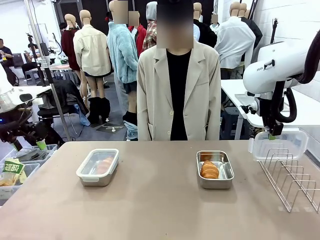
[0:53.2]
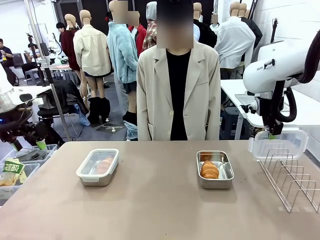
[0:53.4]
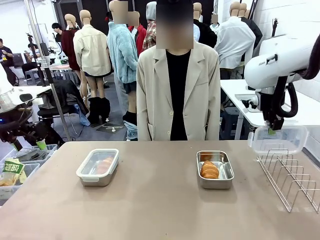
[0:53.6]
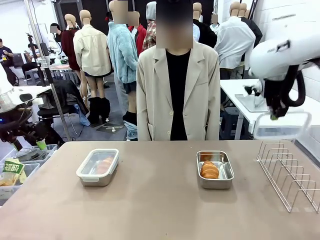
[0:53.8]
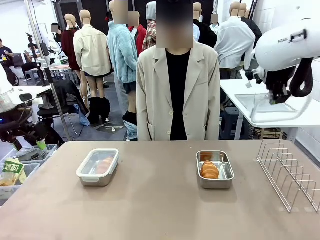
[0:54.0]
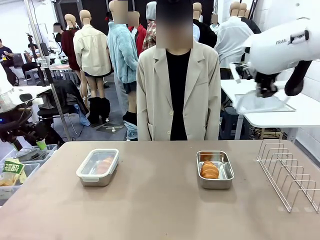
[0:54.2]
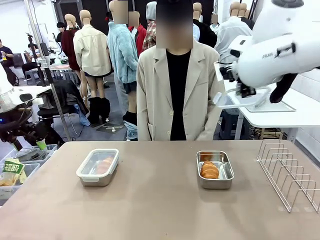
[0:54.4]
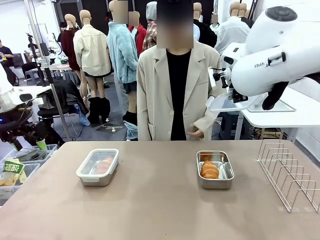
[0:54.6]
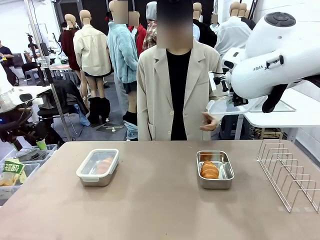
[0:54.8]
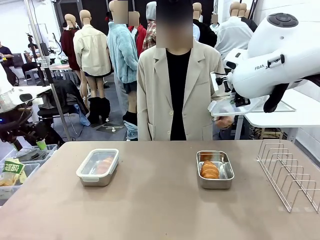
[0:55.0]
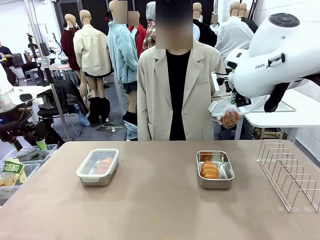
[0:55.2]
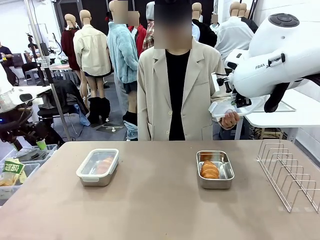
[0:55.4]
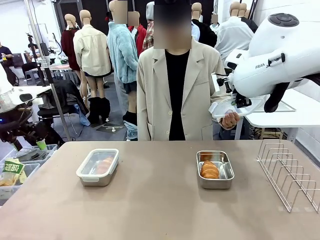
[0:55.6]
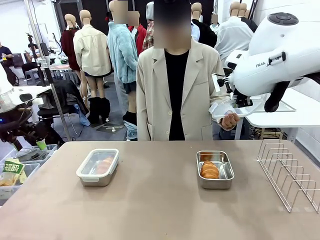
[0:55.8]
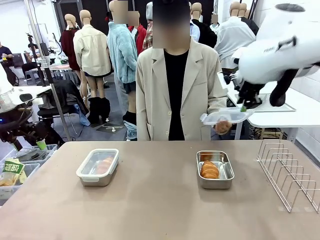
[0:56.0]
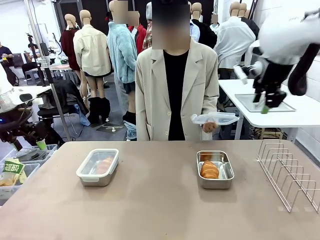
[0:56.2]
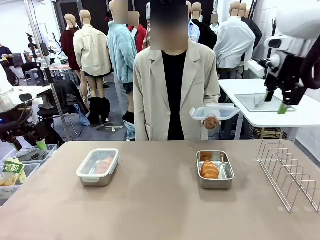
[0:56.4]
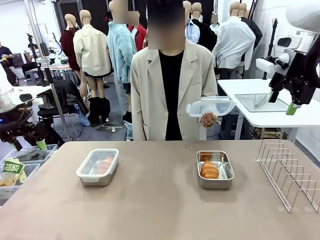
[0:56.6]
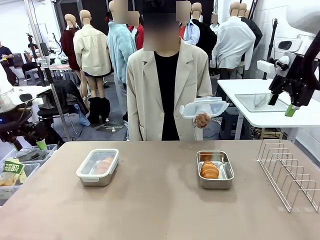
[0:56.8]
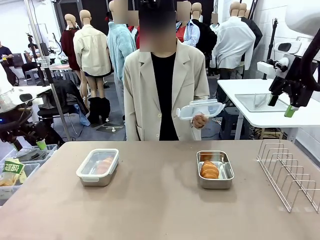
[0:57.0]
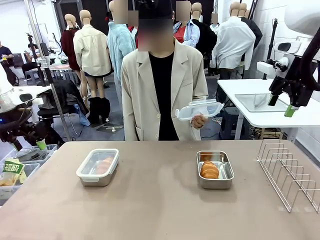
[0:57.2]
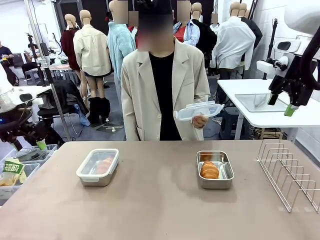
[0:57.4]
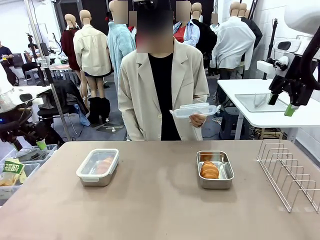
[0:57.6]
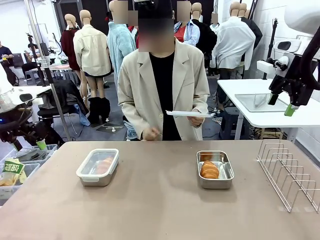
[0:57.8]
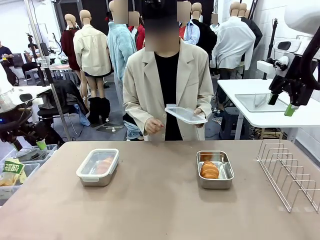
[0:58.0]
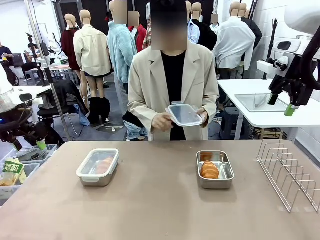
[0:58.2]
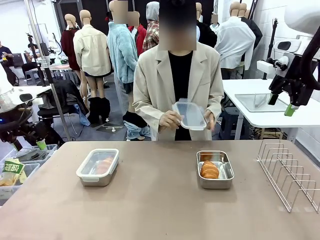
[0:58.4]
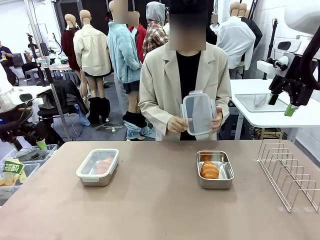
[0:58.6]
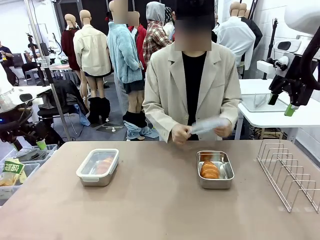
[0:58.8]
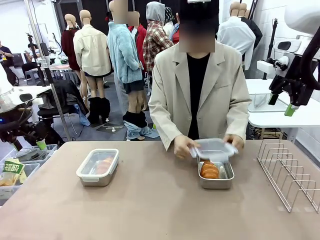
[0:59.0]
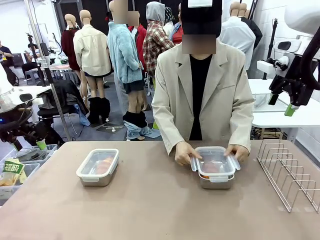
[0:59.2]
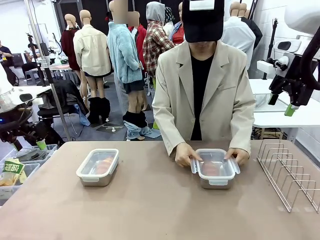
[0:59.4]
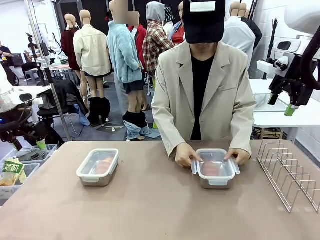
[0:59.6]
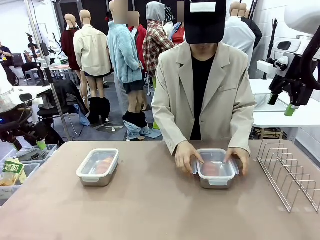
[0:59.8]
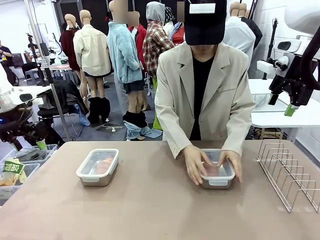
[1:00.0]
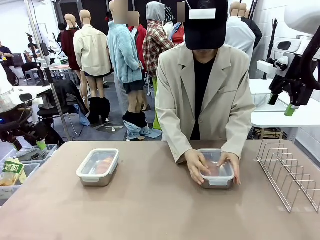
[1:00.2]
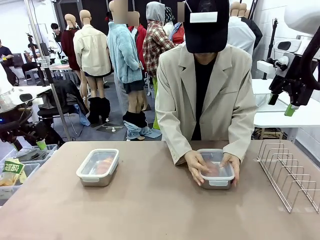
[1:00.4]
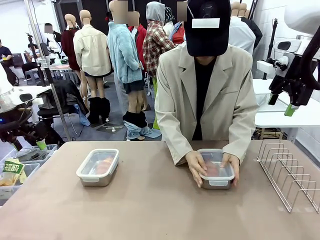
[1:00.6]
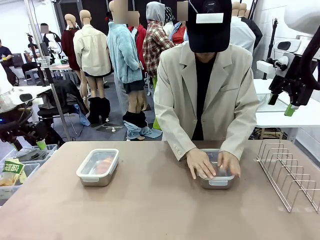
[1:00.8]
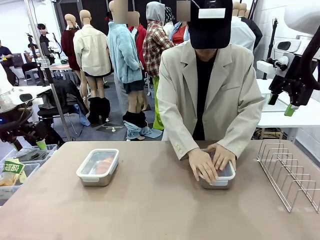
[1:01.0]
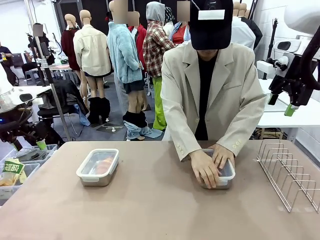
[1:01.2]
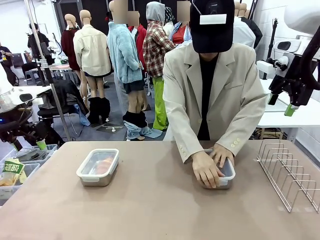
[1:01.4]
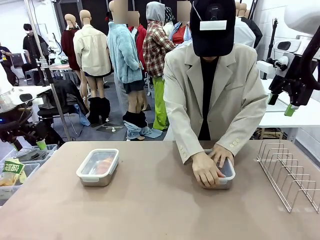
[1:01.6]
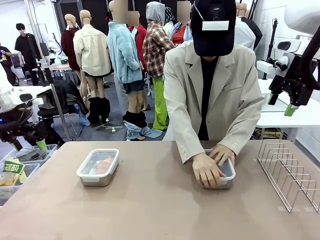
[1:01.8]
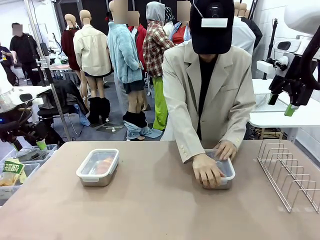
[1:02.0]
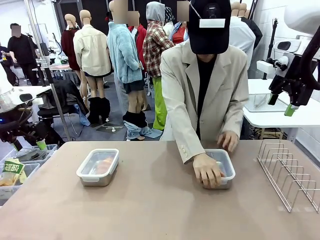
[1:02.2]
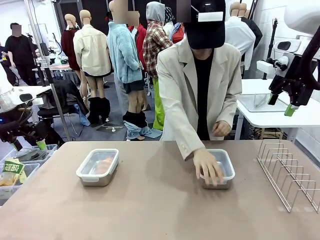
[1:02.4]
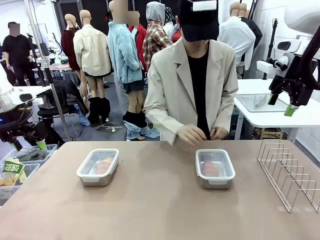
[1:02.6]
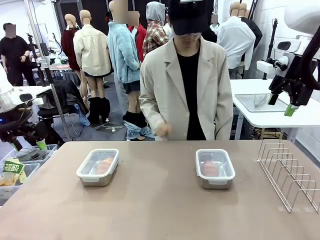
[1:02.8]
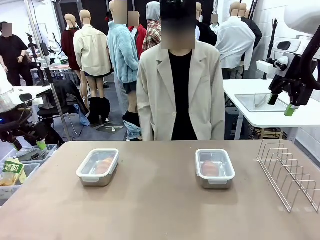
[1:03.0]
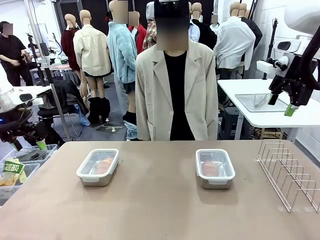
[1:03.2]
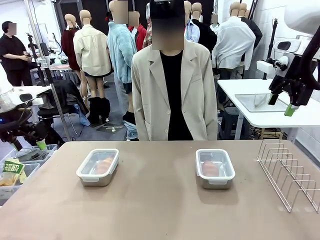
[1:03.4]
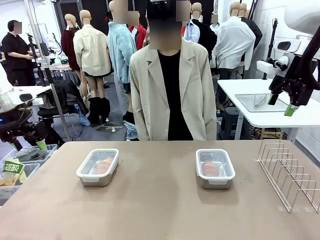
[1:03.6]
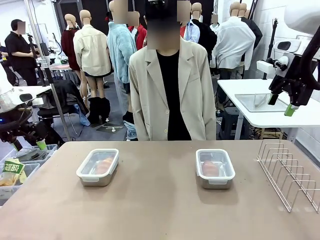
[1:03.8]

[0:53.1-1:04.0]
Task: Place the bread in airtight containers.
Robot: Release when the human grabs the Airtight Container lid.
Person: Grip Airtight Container lid that robot is handing. Close Airtight Container with a handed Airtight Container lid.

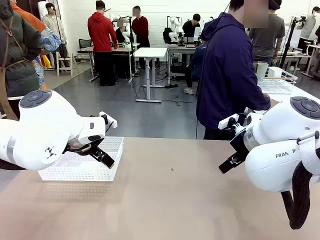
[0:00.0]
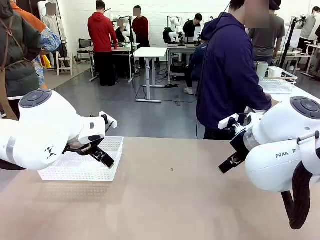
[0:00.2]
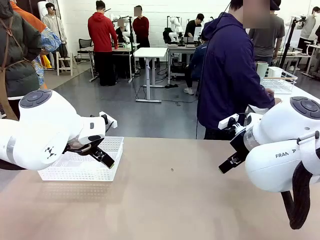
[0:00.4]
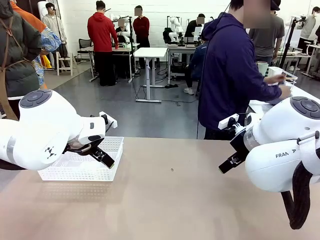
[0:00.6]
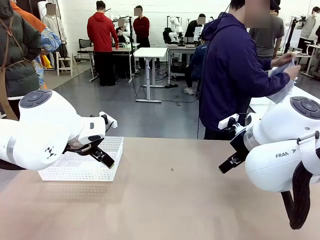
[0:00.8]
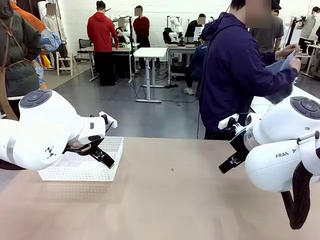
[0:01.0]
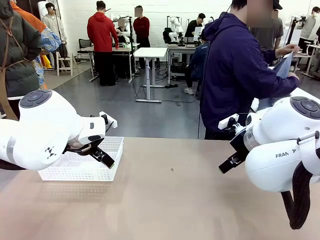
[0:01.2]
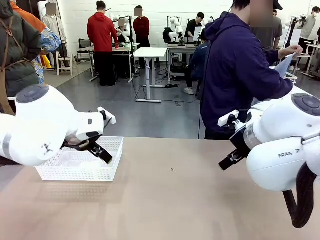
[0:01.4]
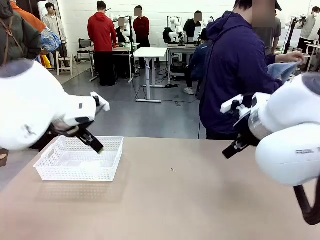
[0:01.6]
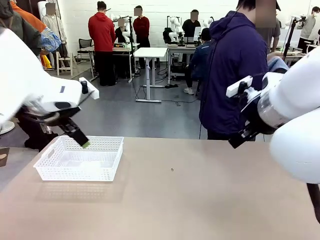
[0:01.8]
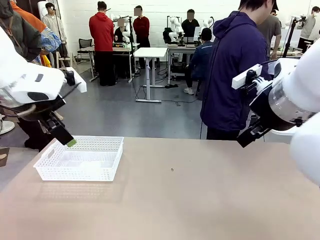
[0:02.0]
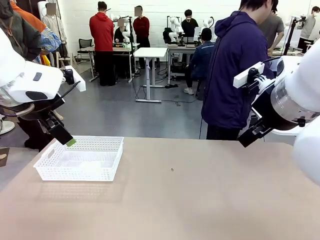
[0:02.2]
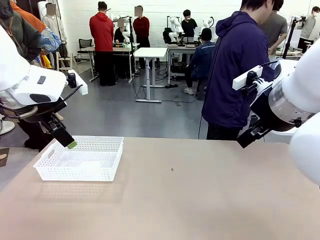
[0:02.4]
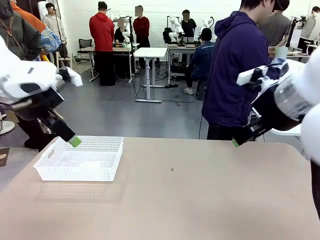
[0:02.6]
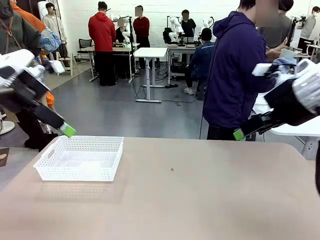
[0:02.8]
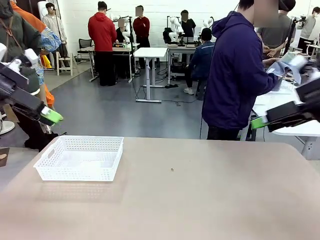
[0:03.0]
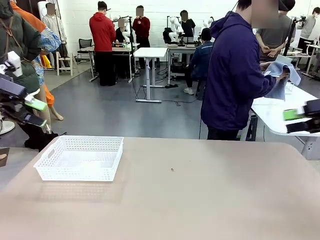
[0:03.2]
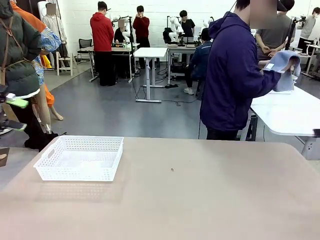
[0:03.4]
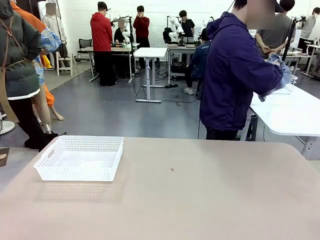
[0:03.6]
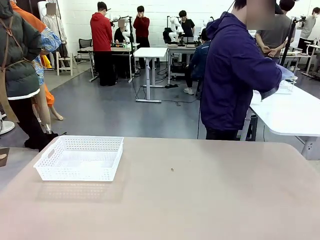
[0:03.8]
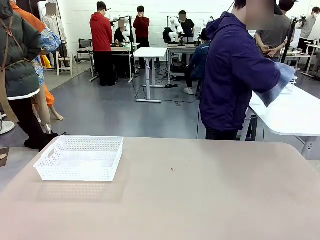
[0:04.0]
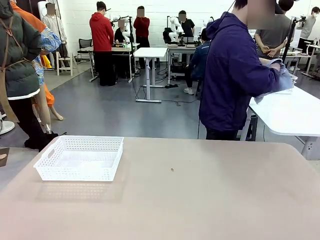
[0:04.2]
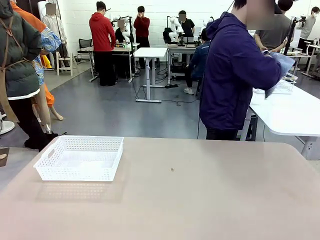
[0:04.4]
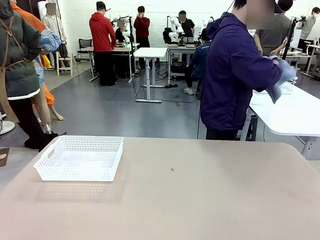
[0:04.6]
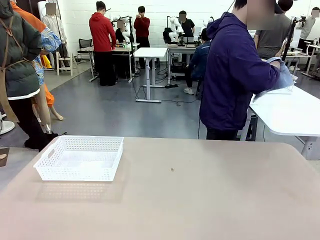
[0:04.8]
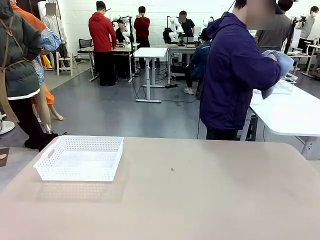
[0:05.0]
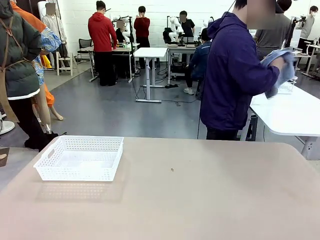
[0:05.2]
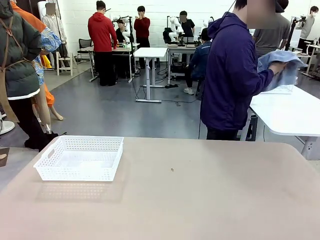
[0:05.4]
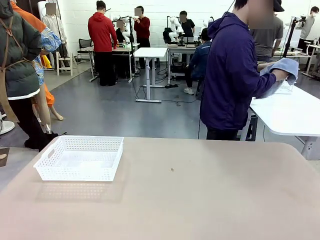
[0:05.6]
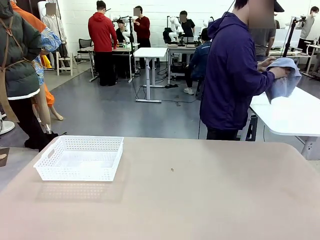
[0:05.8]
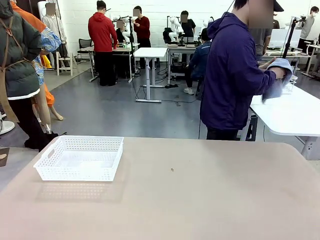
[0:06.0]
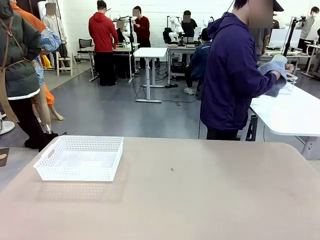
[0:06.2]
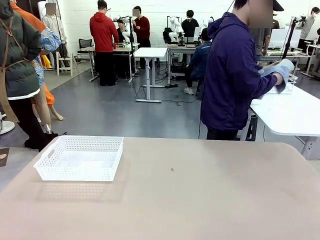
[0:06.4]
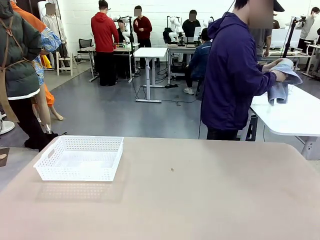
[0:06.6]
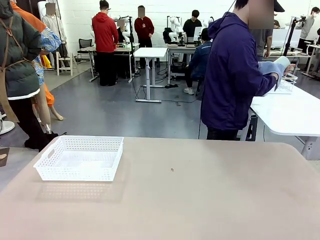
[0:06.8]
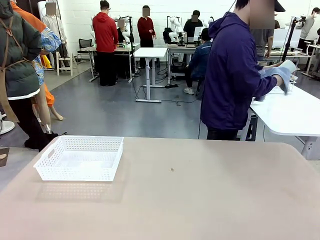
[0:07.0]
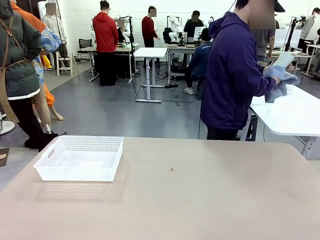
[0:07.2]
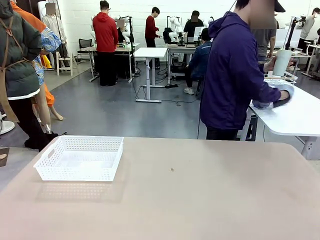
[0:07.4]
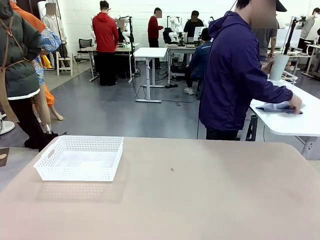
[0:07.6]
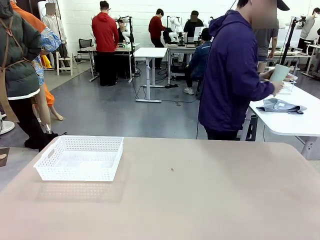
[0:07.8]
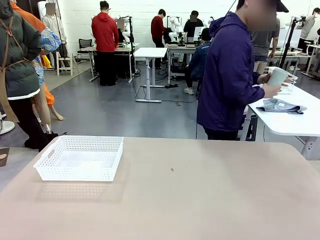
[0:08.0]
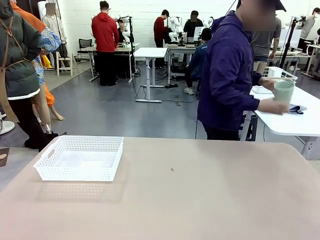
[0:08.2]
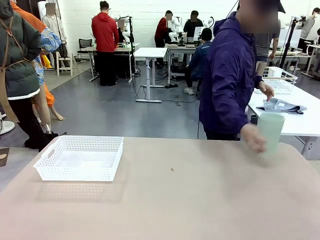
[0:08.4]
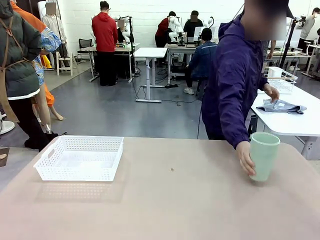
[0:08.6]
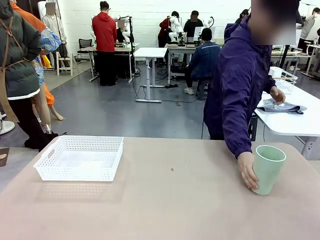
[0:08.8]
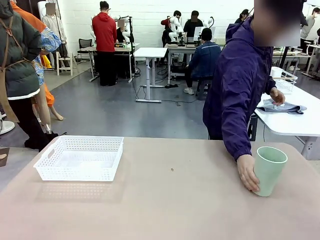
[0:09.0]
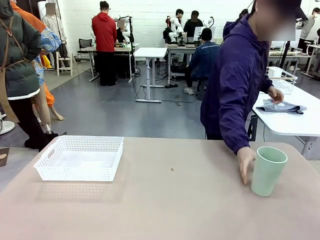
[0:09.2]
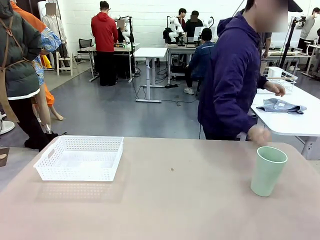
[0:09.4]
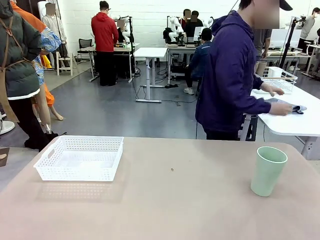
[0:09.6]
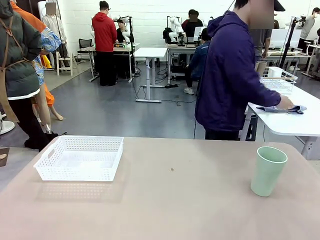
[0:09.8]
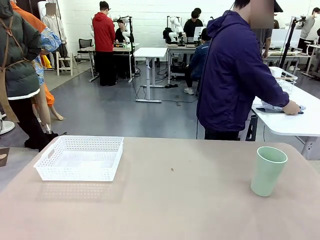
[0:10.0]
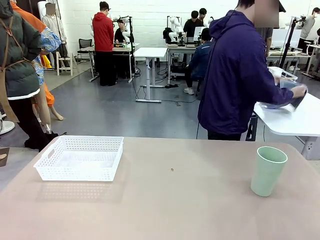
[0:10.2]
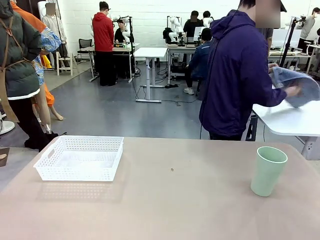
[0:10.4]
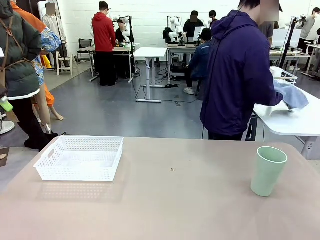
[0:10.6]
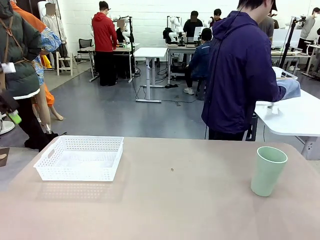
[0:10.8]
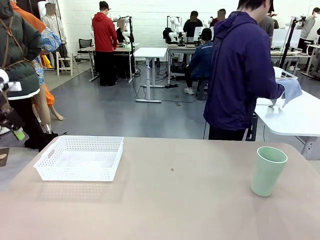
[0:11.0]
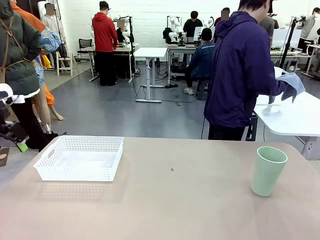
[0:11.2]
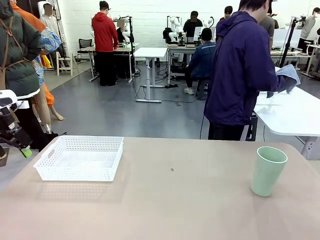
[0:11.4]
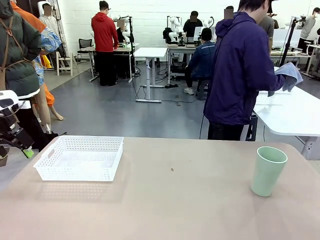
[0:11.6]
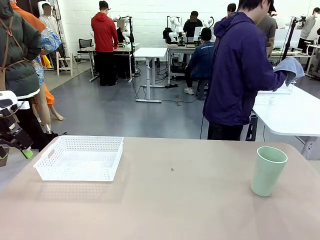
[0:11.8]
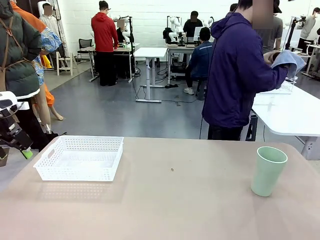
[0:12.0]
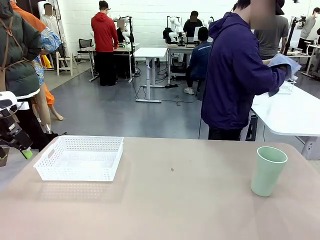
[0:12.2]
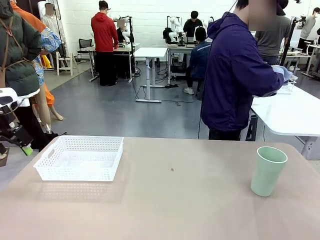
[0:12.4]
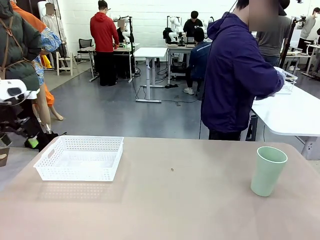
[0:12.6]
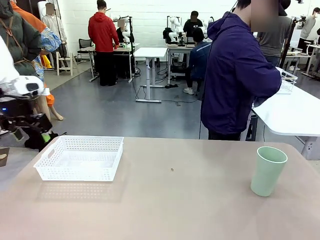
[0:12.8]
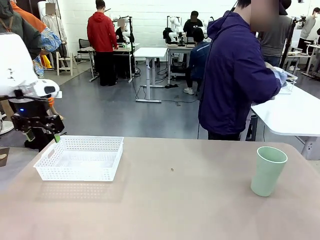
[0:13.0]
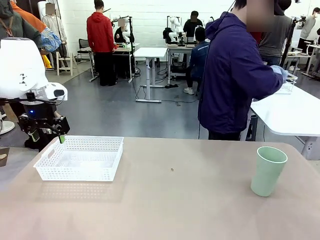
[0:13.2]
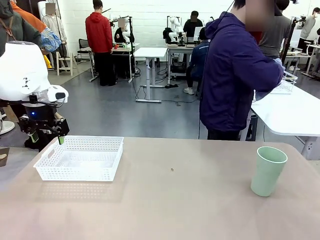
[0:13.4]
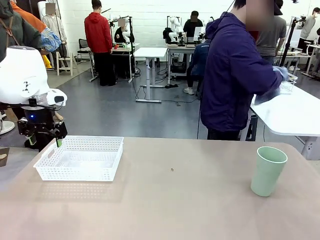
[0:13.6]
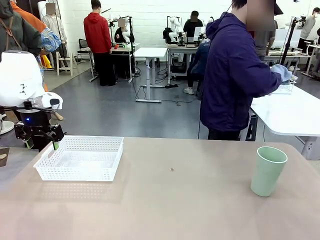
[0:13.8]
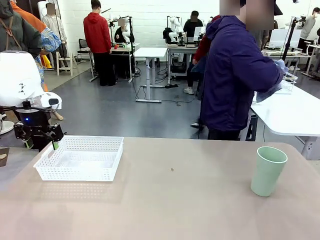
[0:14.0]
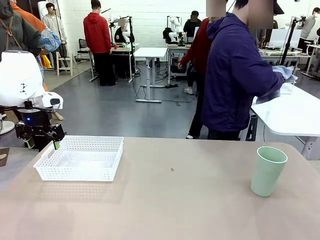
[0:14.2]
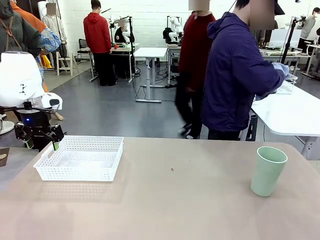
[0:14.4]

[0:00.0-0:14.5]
Task: Clean and organize the cups into the basket.
Robot: Pick up the Organizing basket and move it to the center of the table, then pick up the Reusable plastic cup from the right side of the table and place it inside the Organizing basket.
Person: Picks up a cup and a towel, cleans the cup with the towel, and places it on the left side of the robot table.
